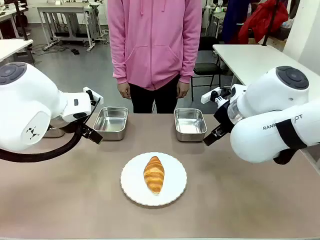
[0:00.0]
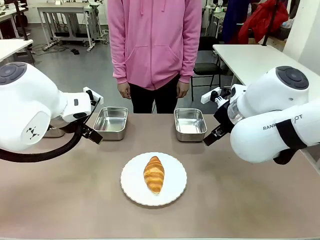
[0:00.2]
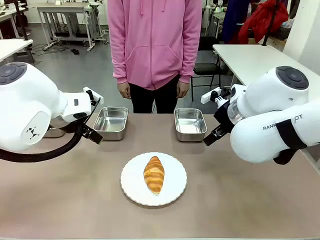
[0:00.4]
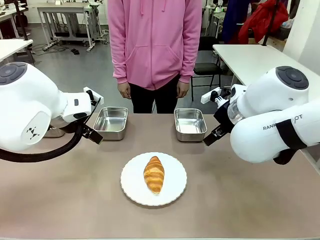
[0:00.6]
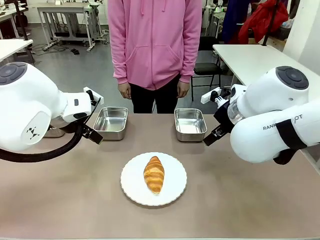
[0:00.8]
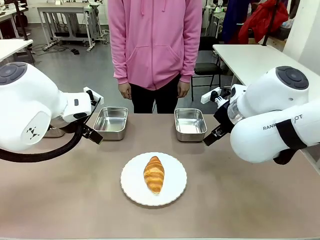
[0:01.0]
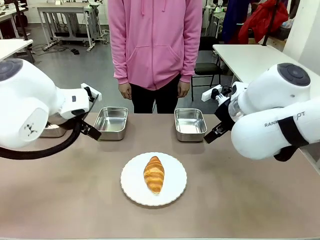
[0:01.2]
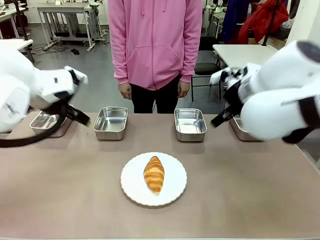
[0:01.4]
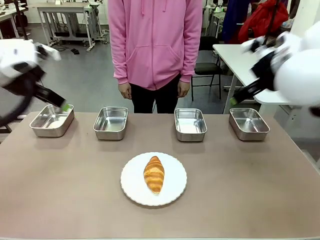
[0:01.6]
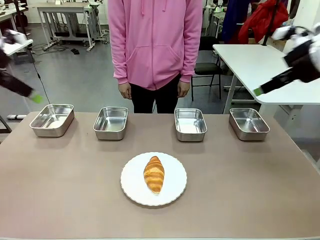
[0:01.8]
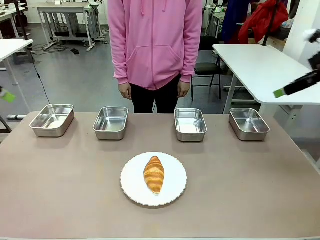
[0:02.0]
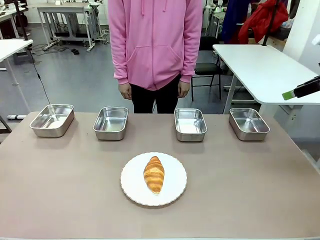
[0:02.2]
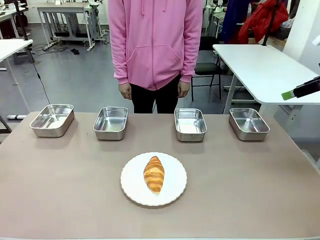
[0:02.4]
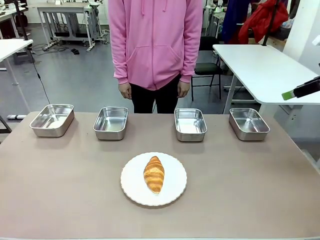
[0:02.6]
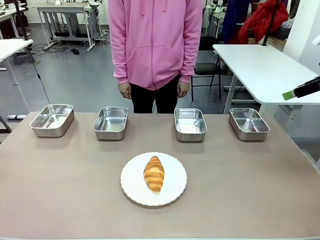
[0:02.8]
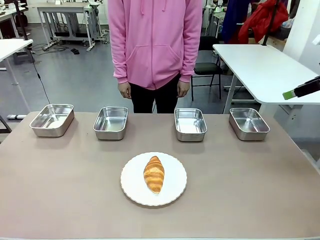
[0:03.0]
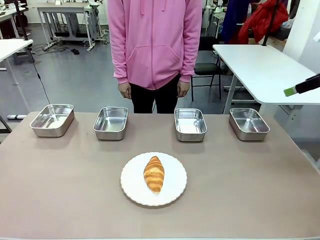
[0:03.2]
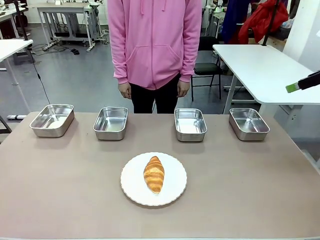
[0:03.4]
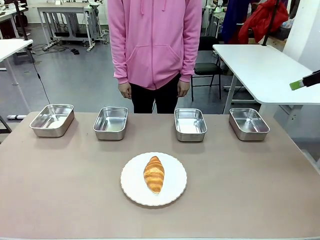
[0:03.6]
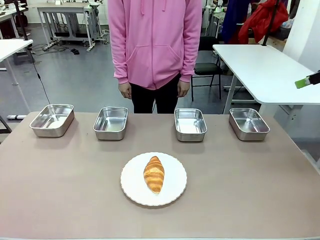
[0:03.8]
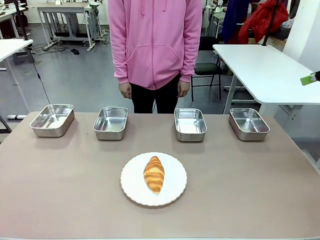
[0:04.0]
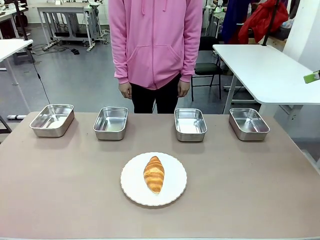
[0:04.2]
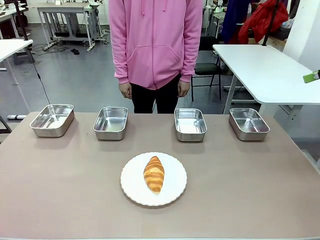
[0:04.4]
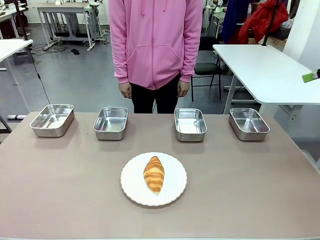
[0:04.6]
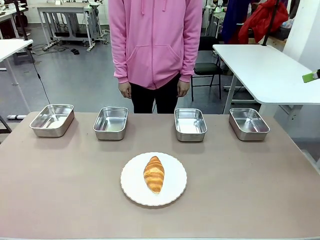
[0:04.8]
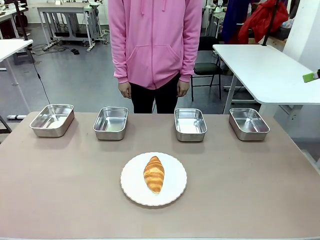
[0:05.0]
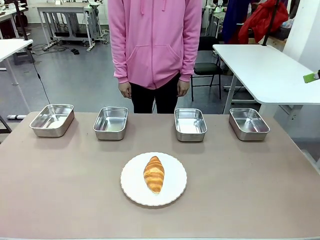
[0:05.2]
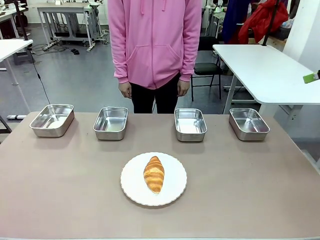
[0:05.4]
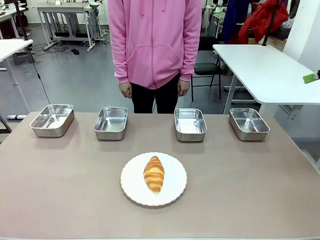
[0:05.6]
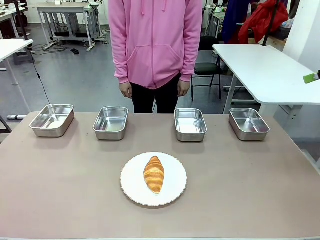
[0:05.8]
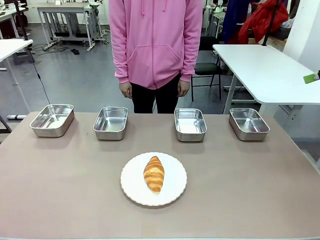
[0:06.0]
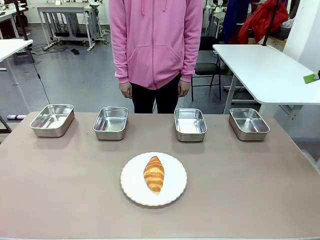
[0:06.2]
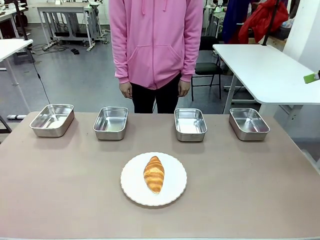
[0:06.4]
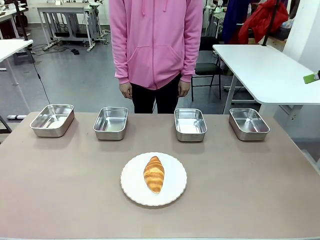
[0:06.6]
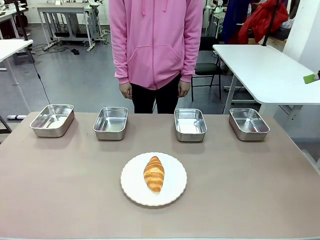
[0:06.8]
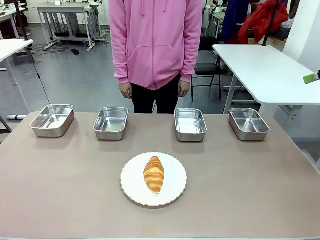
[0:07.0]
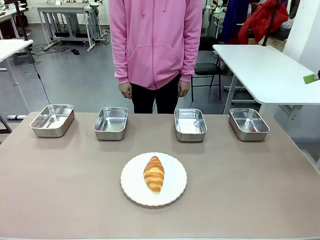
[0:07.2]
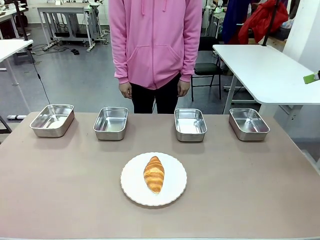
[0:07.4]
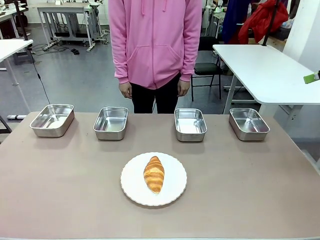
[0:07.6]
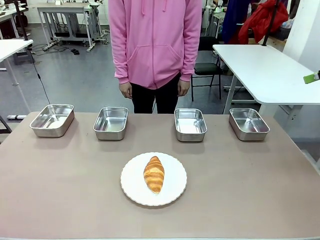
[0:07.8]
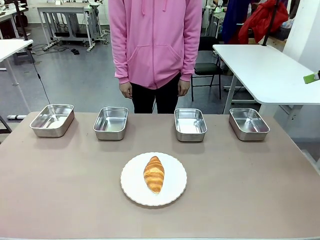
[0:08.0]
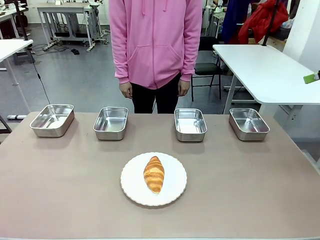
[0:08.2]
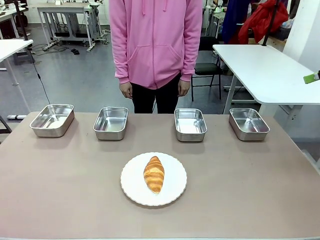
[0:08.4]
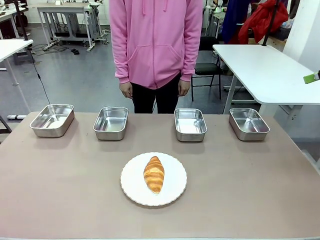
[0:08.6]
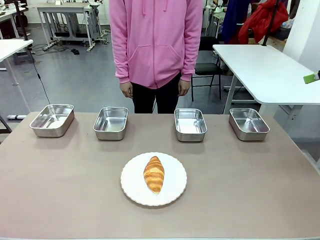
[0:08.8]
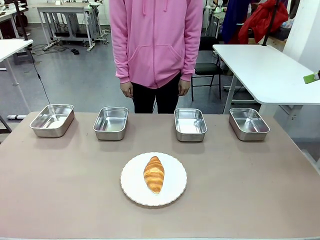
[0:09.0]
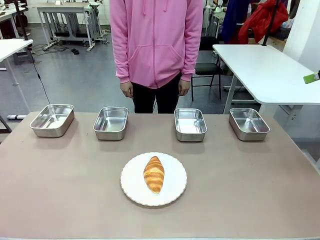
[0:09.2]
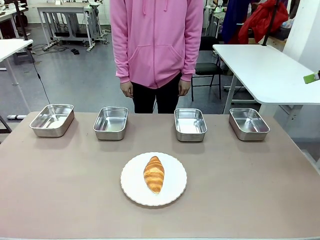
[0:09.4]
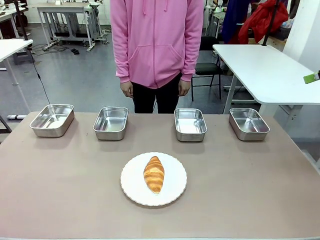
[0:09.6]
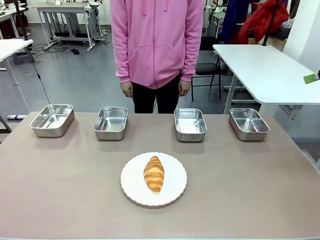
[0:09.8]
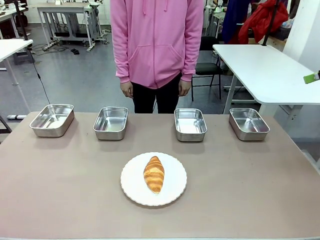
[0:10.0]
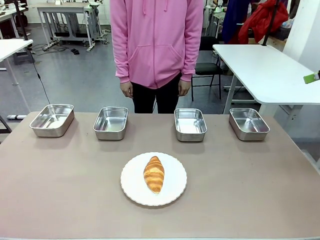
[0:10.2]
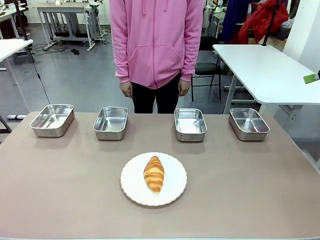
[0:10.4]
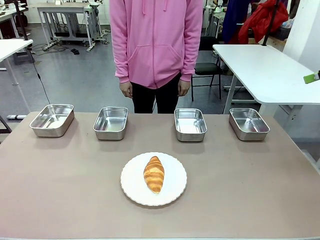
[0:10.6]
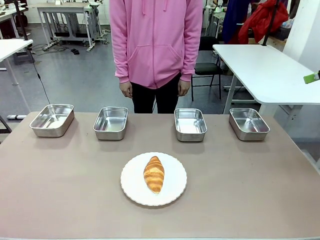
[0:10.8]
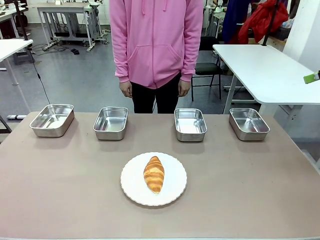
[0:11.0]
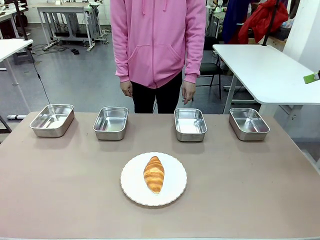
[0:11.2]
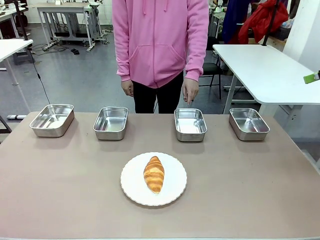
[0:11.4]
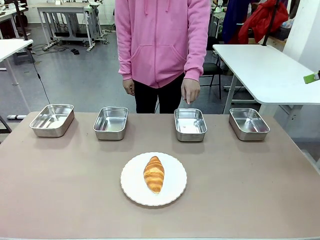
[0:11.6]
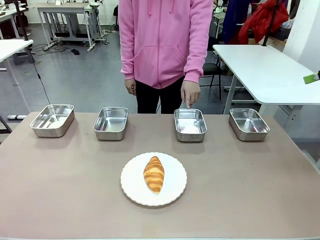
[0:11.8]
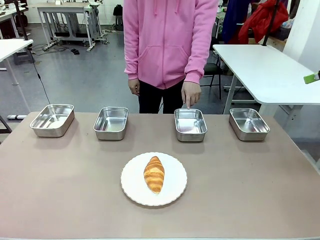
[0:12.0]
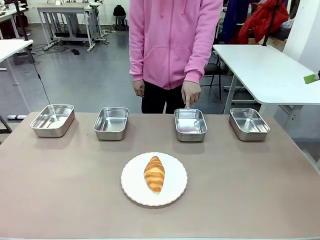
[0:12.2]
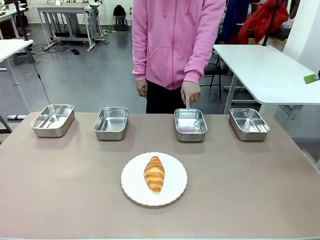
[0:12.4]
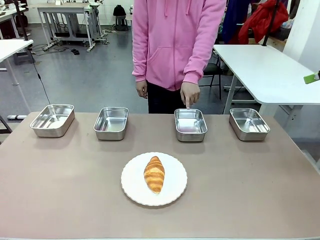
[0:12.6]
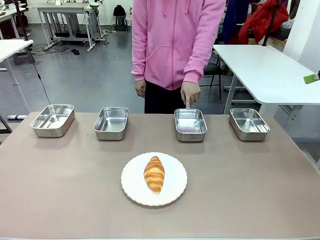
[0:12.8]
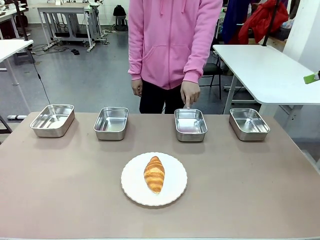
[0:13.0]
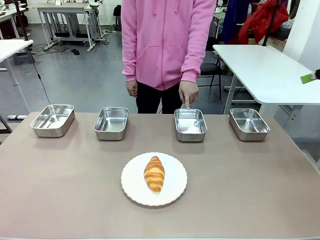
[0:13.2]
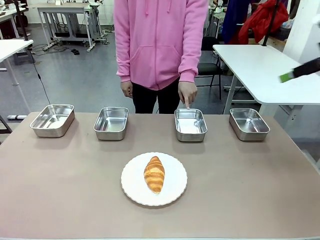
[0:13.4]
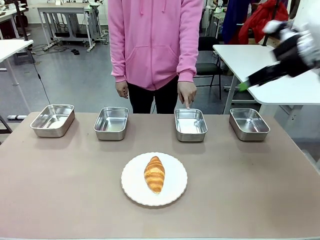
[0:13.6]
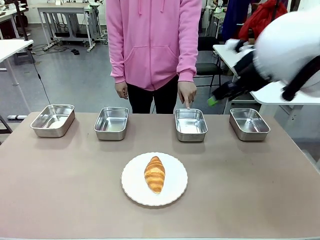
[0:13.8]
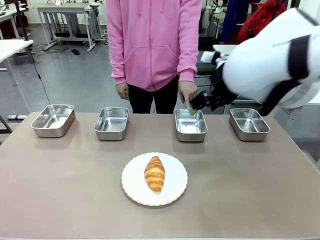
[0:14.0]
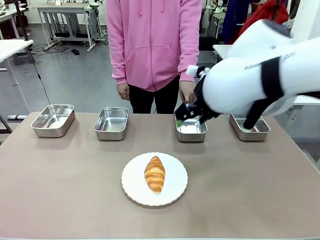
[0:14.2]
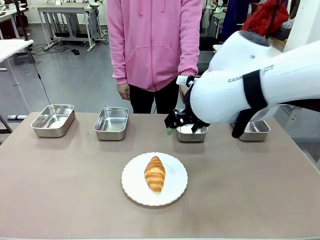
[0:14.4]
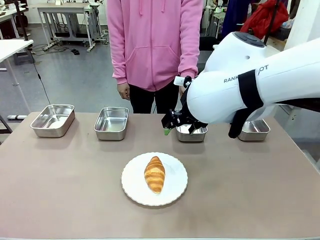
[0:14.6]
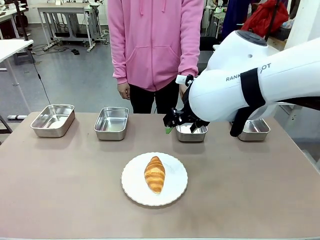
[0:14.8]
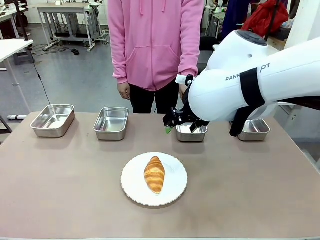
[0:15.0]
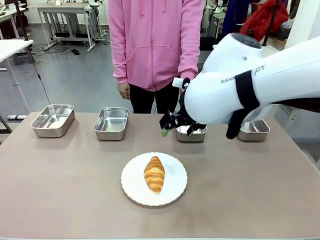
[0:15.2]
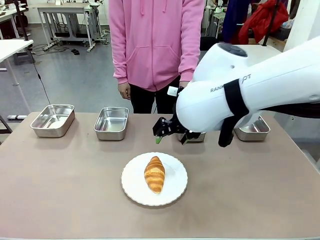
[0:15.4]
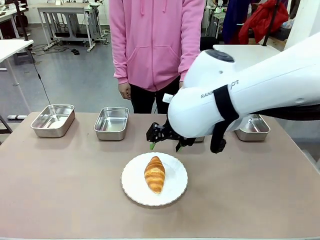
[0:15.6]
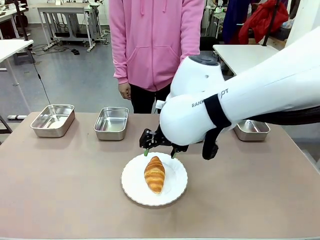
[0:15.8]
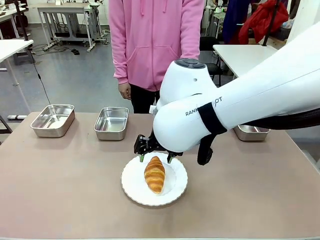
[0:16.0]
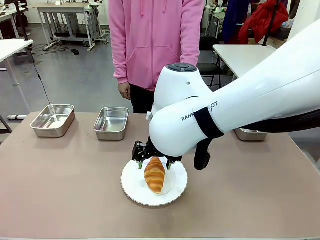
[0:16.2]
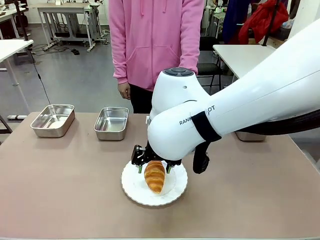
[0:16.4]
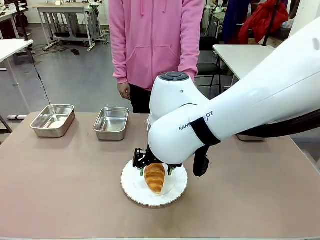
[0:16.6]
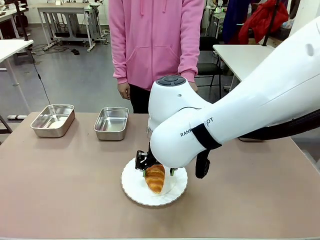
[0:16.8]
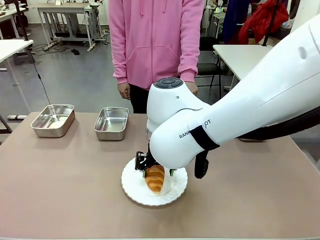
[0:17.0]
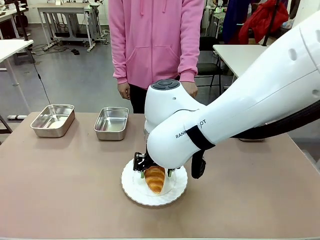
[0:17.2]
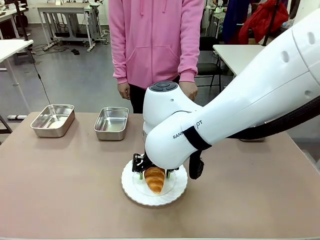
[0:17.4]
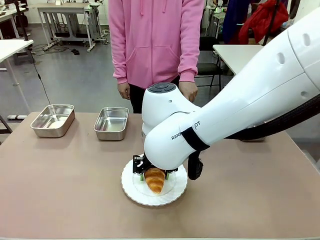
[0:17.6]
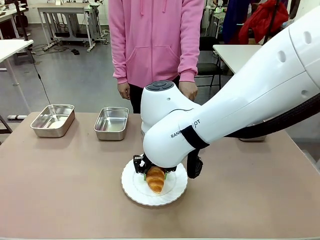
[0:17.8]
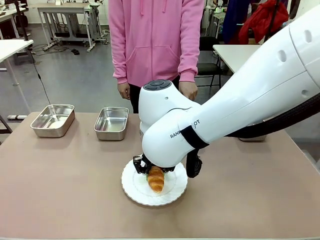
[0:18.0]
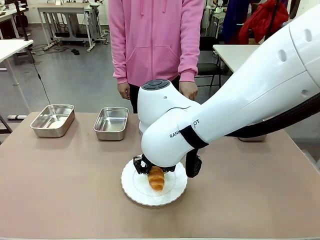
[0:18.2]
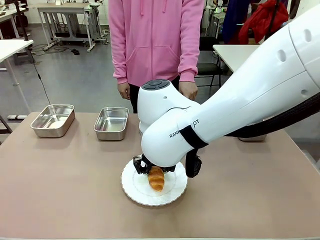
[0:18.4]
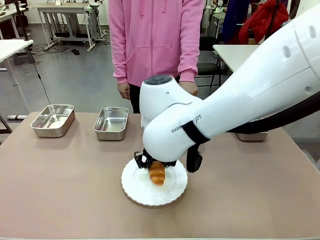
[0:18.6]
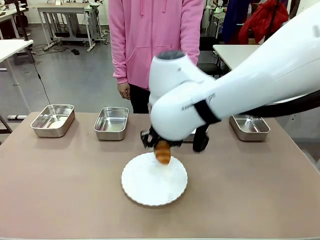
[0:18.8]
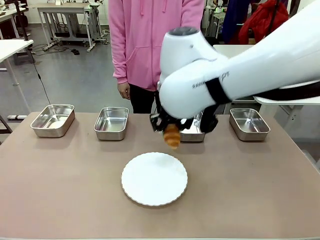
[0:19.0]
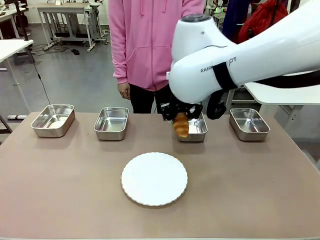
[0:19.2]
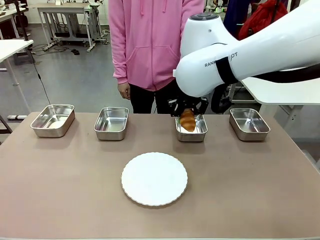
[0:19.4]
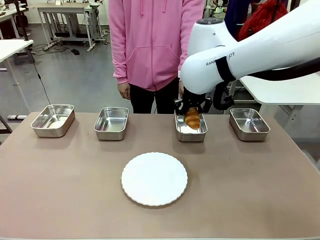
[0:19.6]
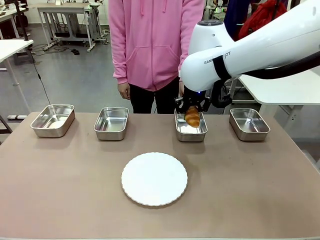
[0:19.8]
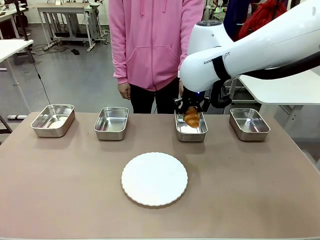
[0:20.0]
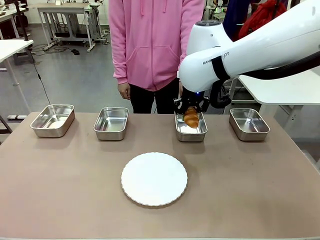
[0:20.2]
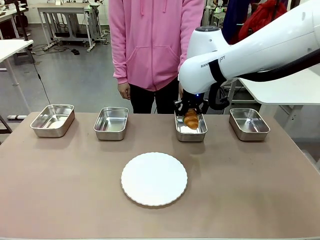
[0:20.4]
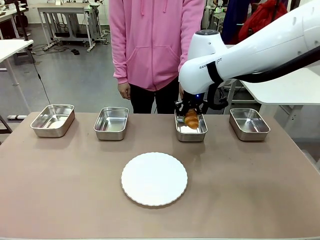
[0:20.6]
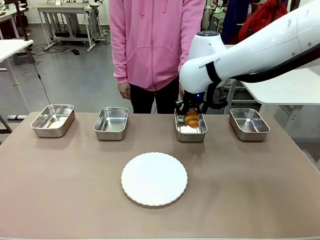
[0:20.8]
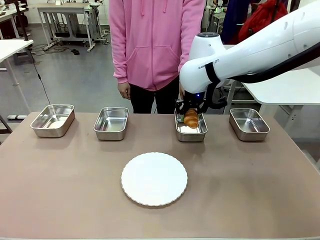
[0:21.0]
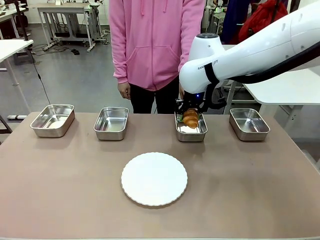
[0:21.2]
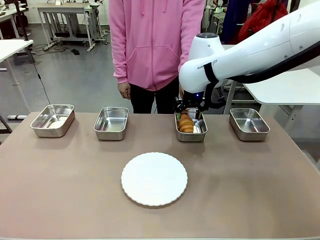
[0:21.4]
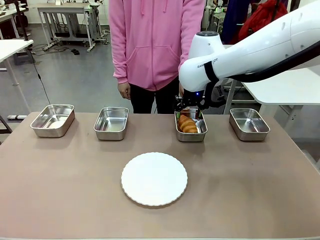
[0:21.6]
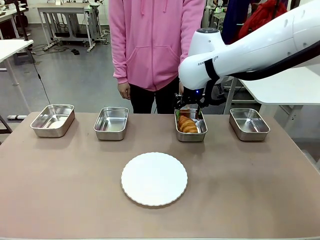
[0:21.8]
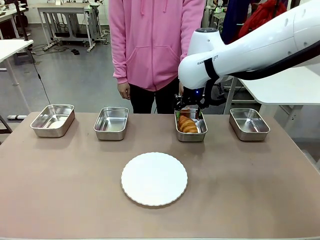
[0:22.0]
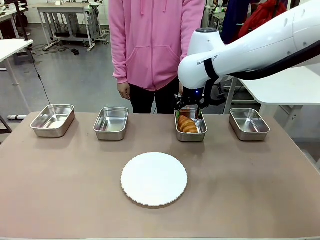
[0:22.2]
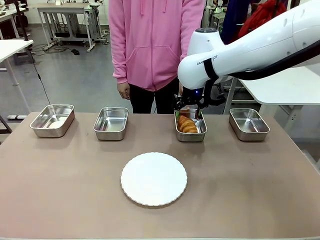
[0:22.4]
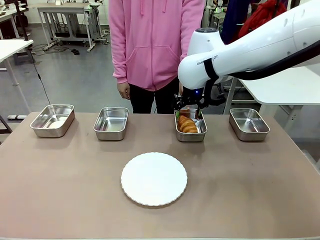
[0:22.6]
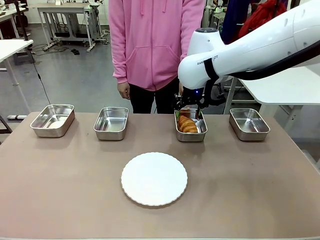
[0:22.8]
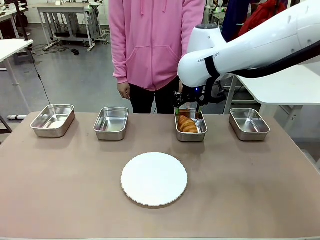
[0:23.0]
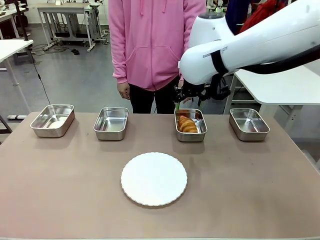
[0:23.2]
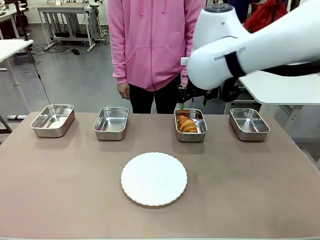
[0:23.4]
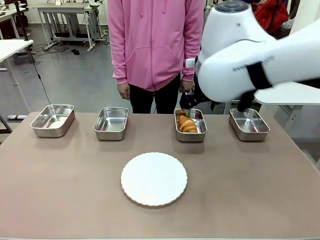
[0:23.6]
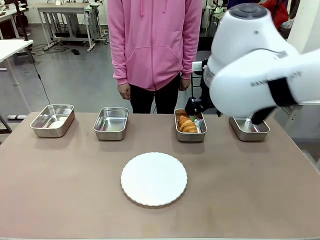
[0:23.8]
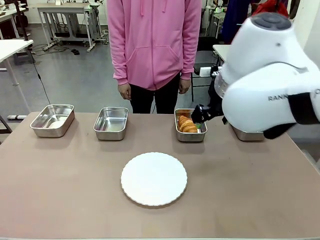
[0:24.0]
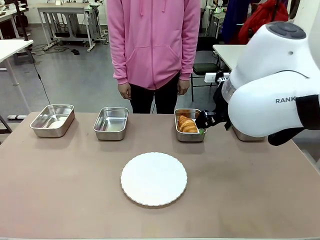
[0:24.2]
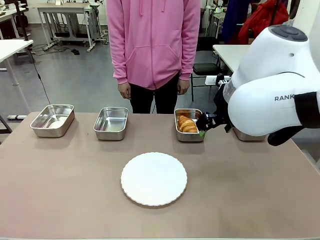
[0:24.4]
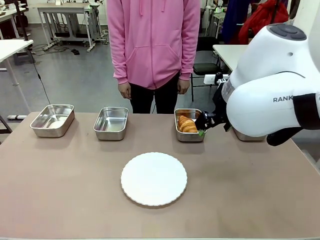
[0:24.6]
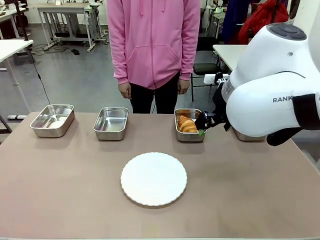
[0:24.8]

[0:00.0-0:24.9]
Task: Place the bread in the container.
Robot: Place the Butter Roll into the Airtight Container indicated by the human.
Person: A person randomly selects and points to an Airtight Container.
